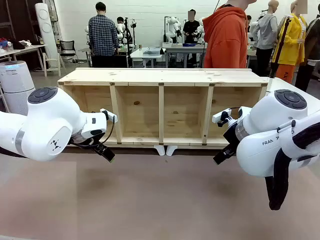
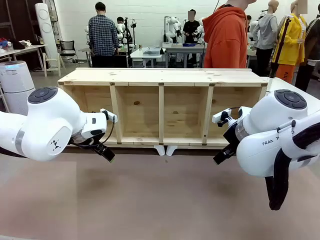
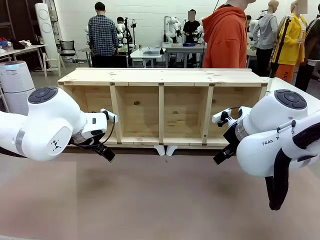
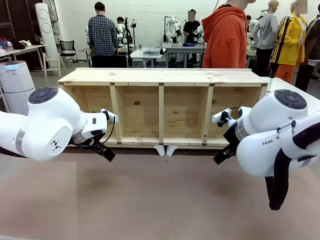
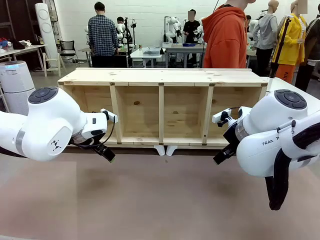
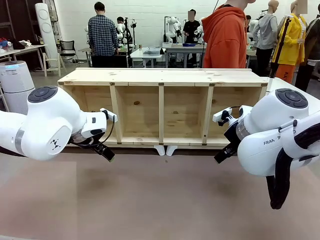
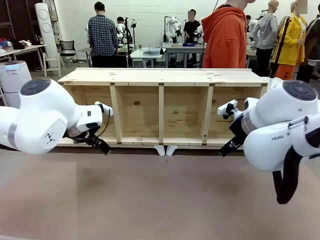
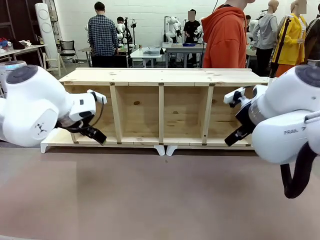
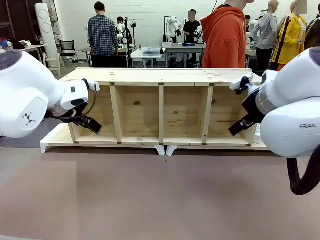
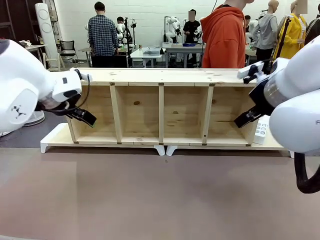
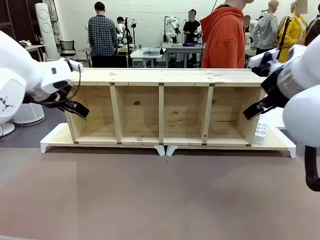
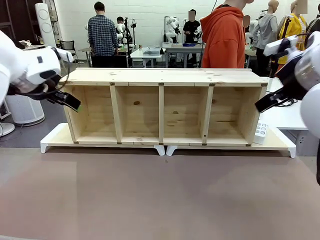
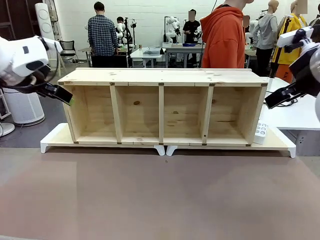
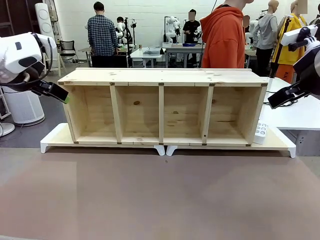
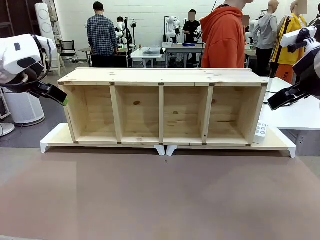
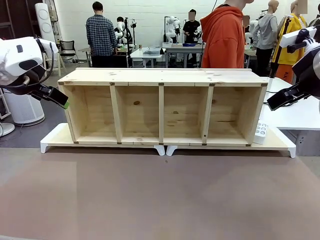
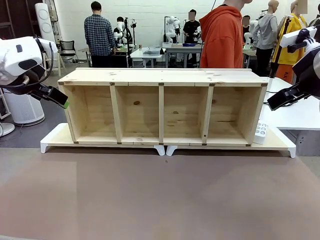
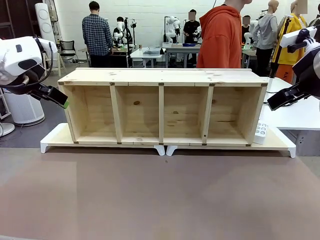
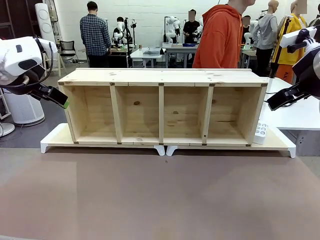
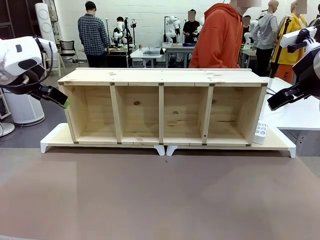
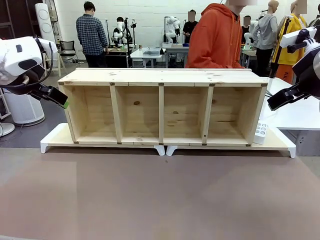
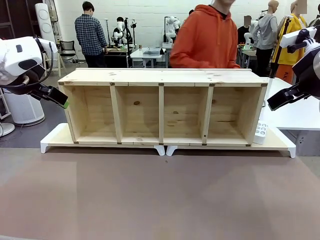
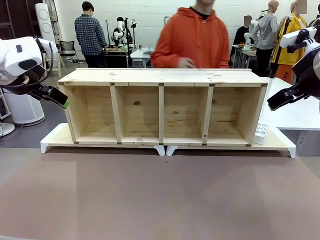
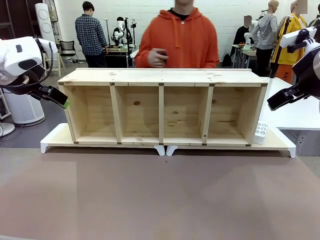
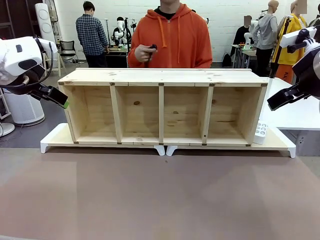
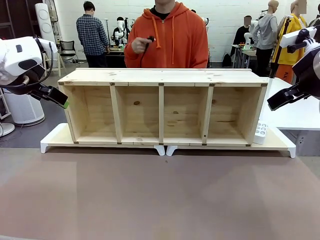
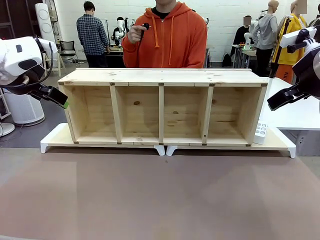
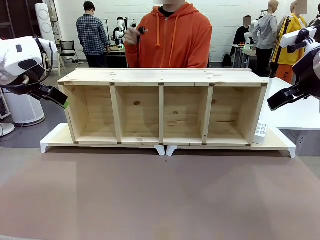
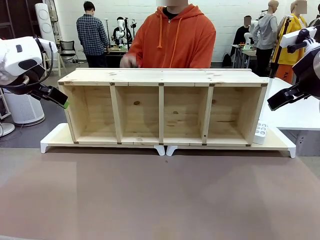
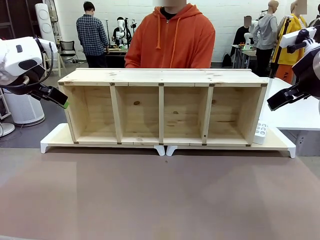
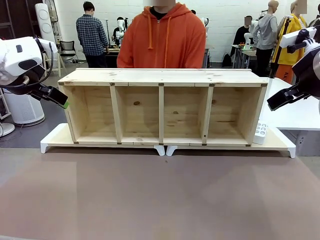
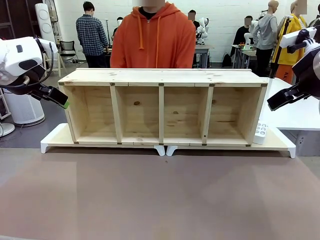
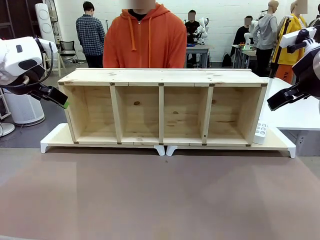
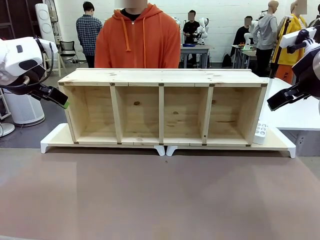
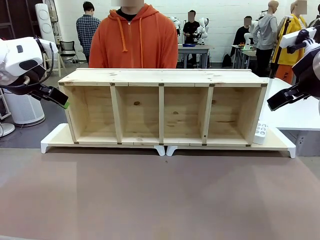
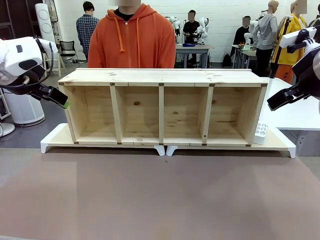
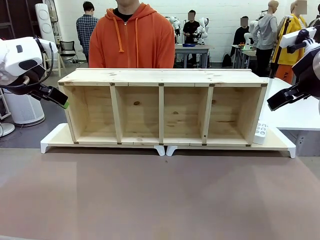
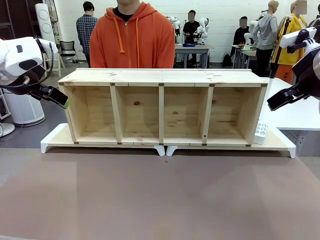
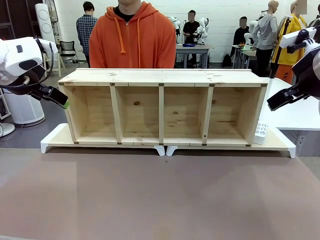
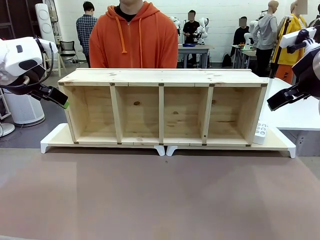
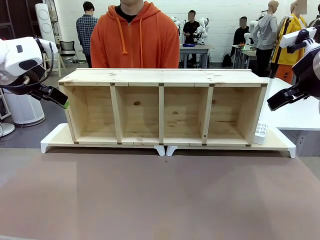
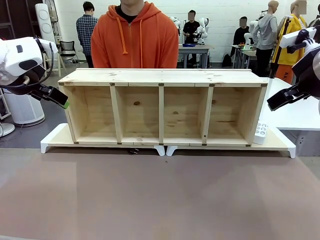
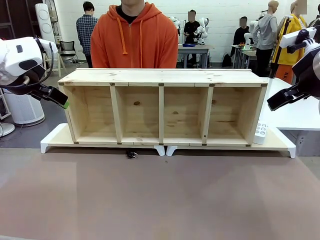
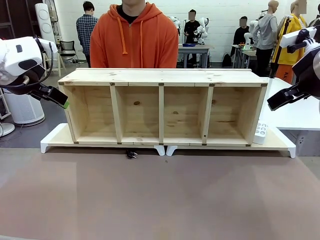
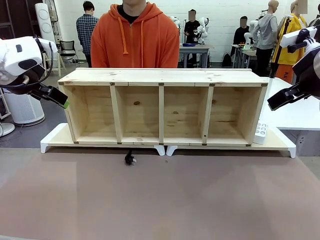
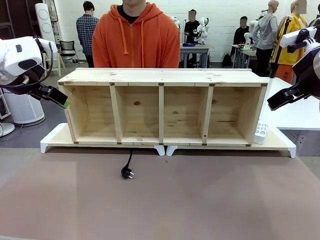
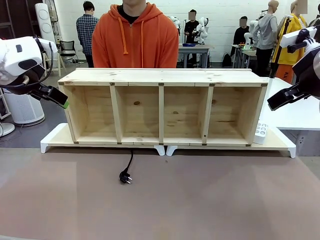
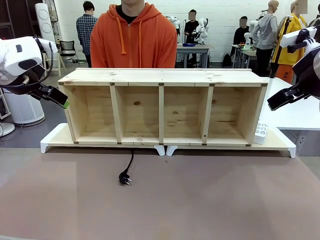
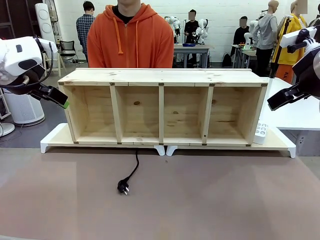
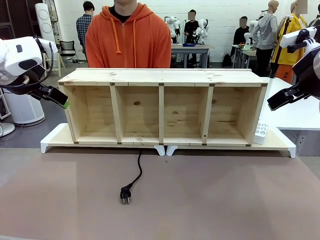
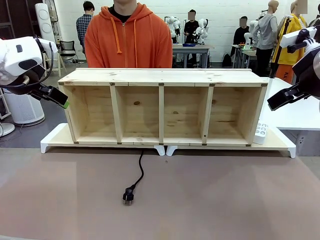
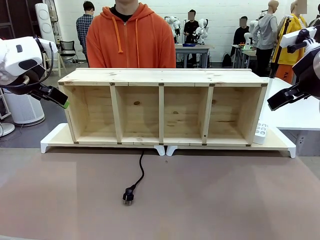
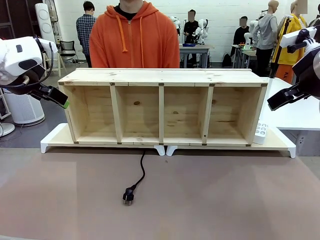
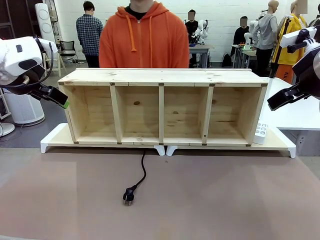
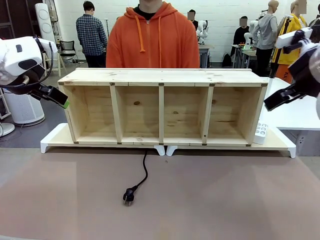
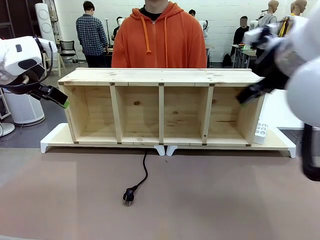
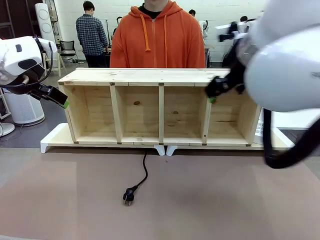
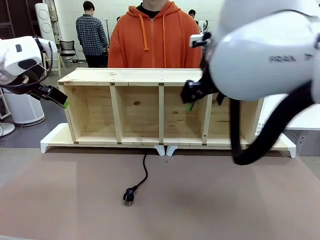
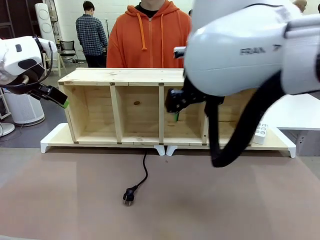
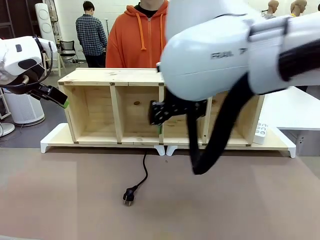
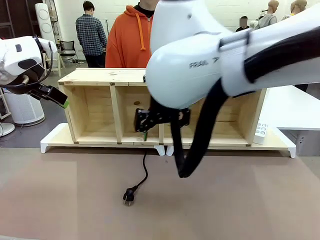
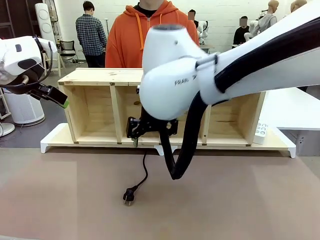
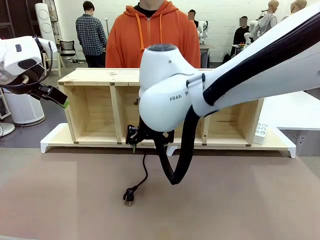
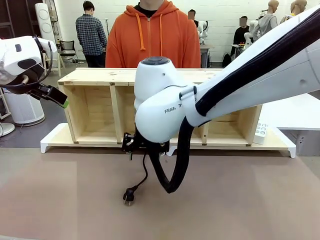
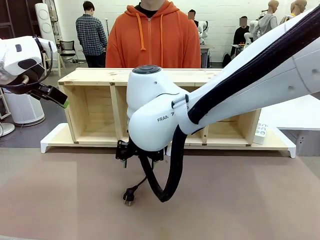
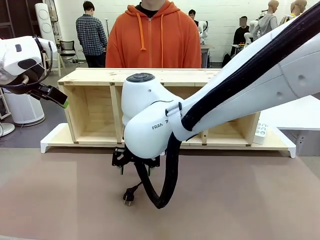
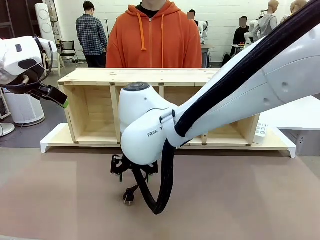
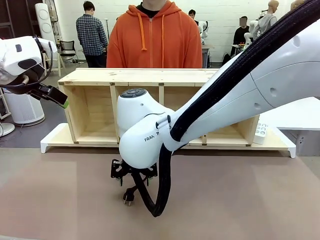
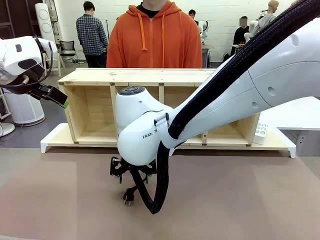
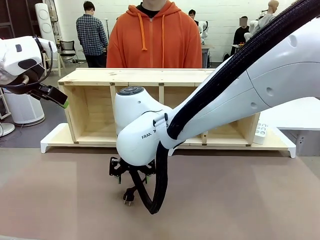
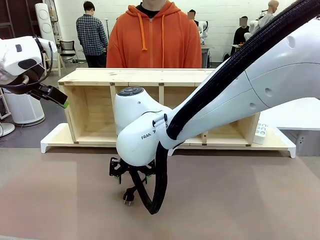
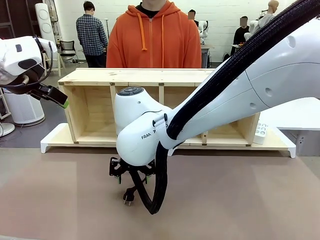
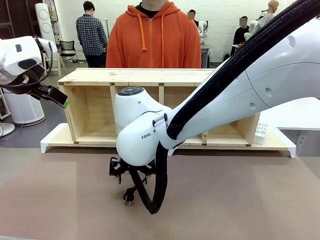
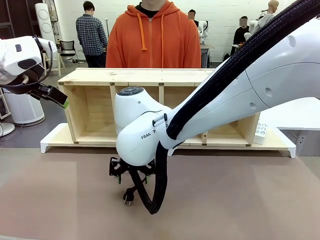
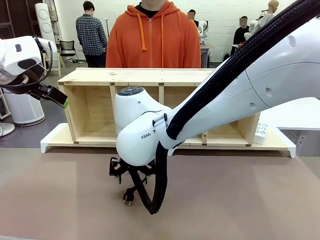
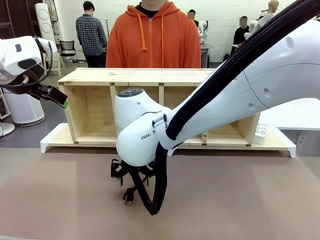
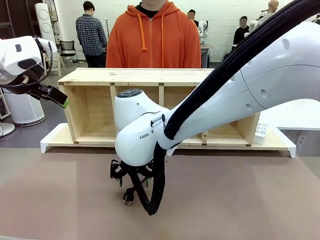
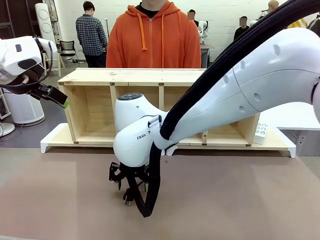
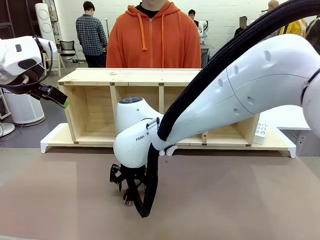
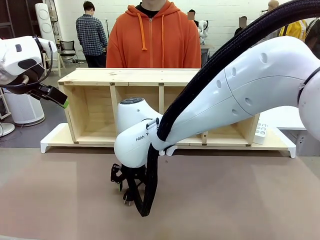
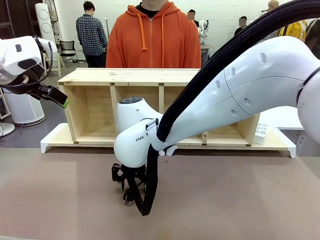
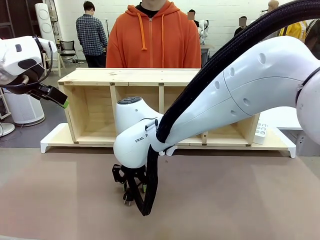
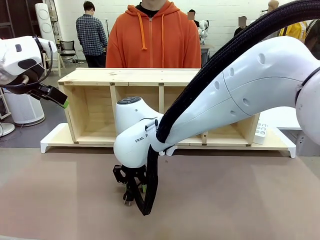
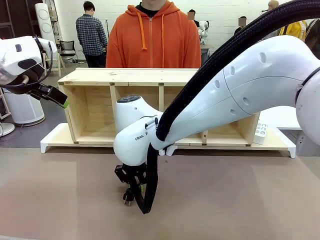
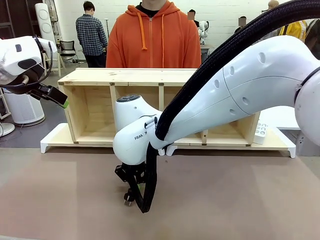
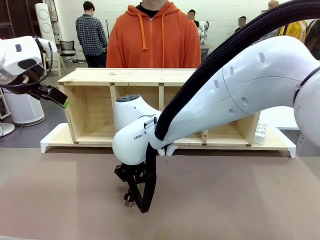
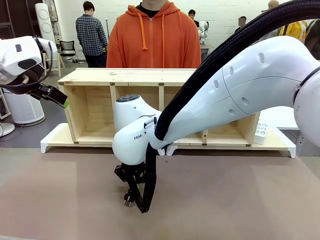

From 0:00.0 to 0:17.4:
Task: Perform cable management.
Robot: When the cord part of the Power Cable appears at the lower middle area of the table and stops, grasp the cord part of the Power Cable.
Person: Pass the Power Cable under the Serving Table.

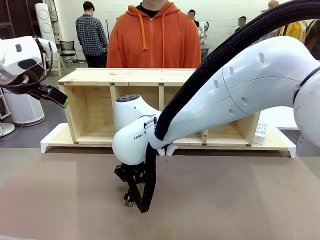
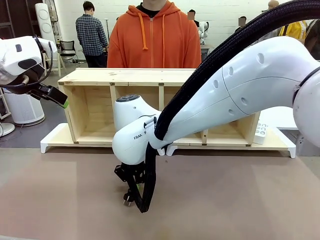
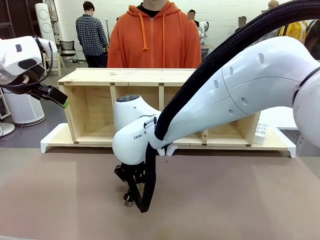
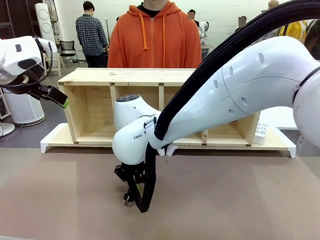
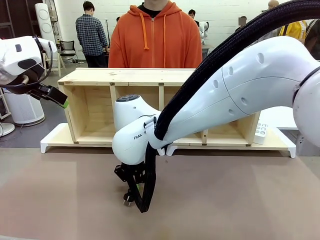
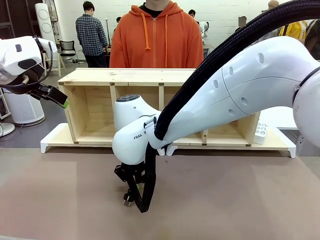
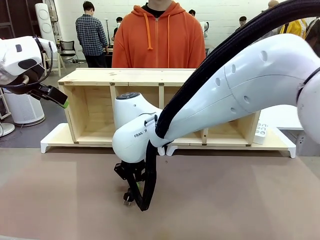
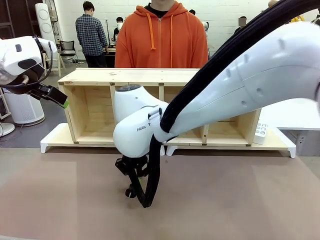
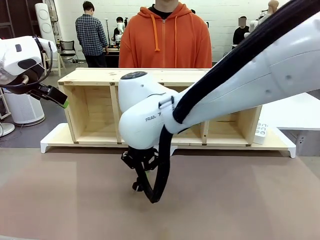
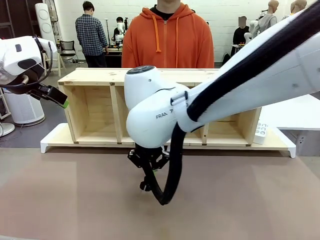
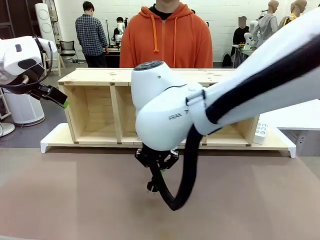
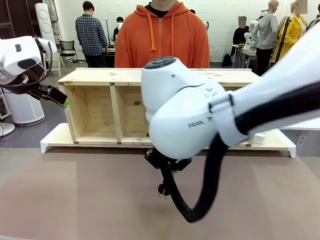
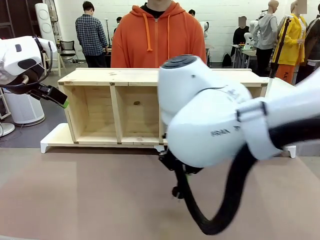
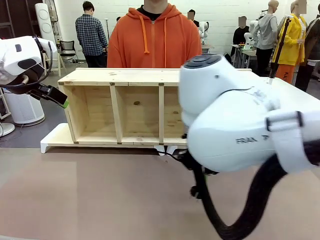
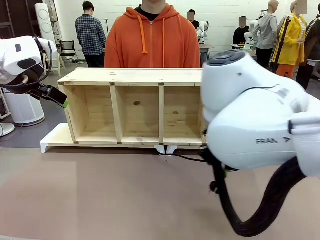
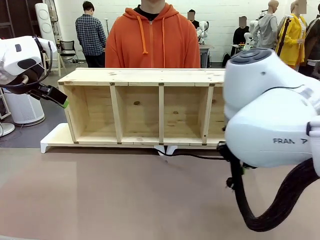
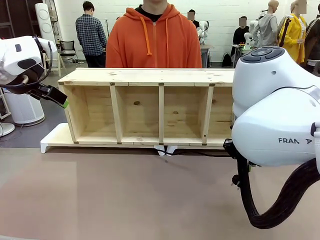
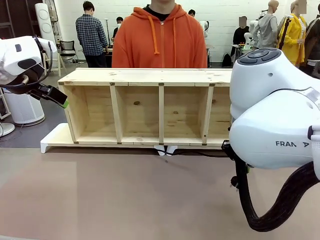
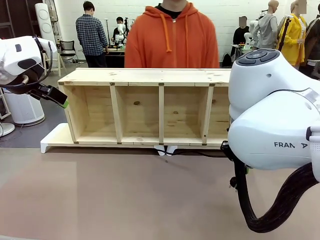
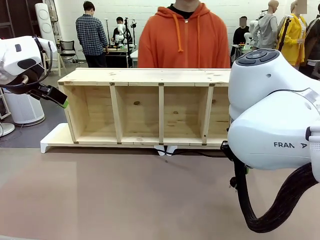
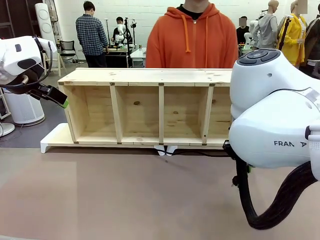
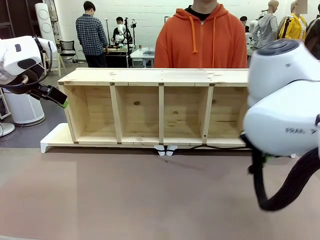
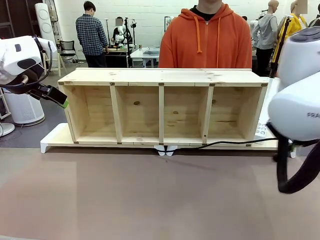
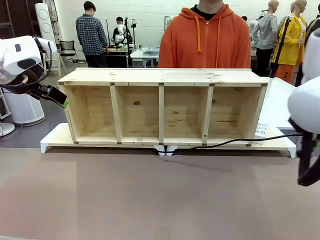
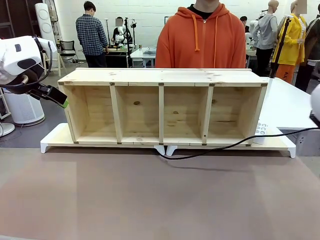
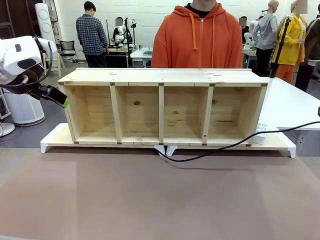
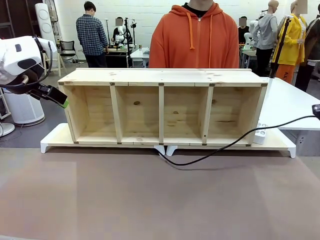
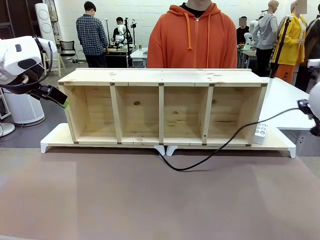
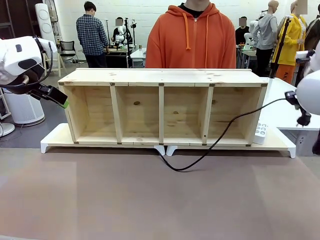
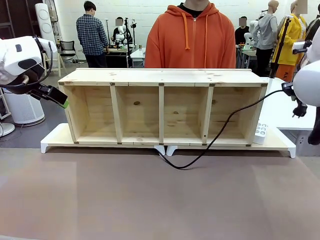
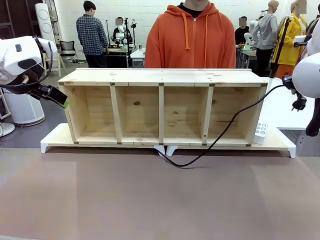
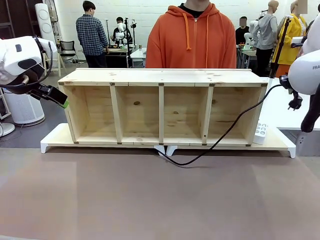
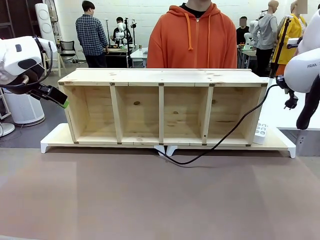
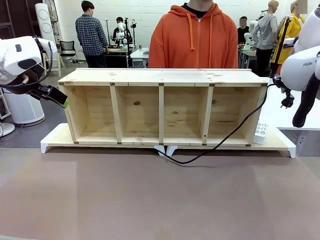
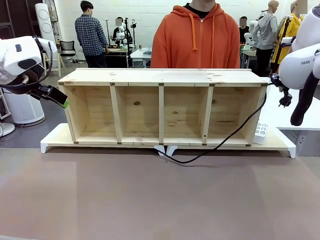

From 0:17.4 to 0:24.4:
Robot: Pull the grasped Power Cable to the location of the Power Strip.
